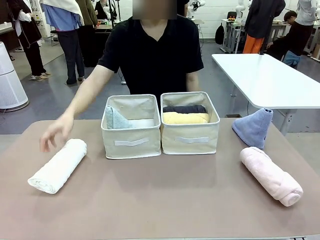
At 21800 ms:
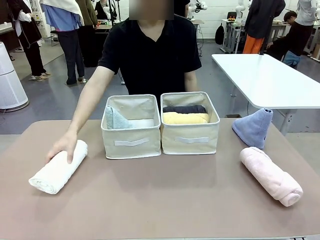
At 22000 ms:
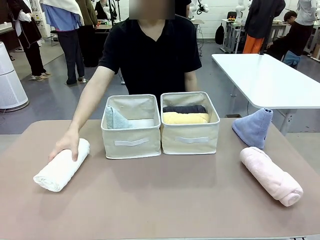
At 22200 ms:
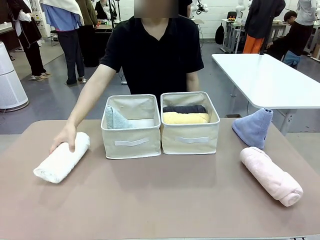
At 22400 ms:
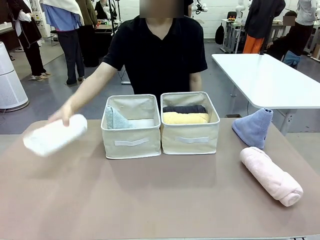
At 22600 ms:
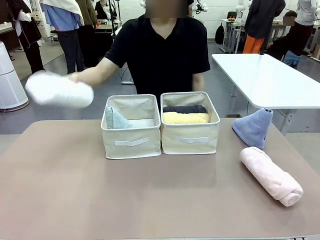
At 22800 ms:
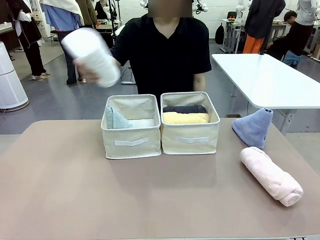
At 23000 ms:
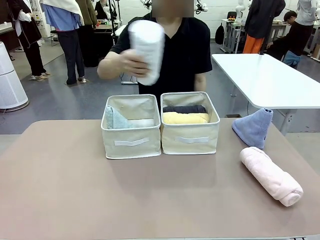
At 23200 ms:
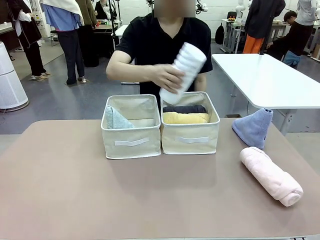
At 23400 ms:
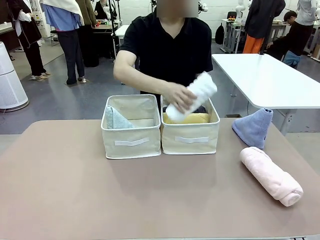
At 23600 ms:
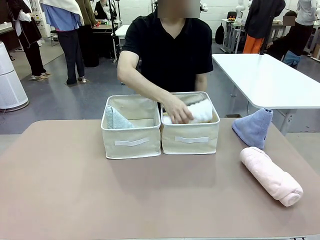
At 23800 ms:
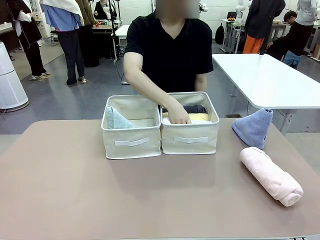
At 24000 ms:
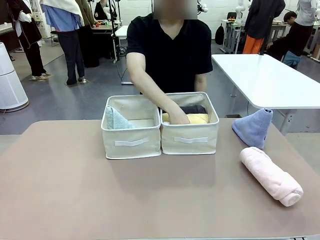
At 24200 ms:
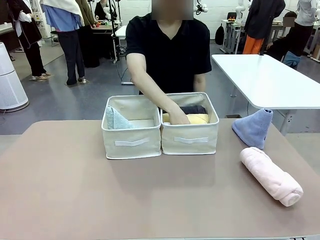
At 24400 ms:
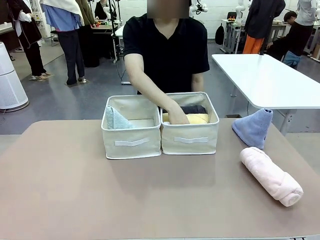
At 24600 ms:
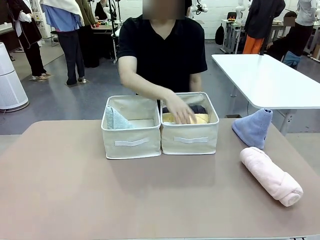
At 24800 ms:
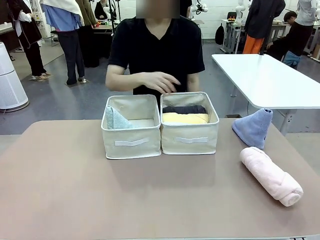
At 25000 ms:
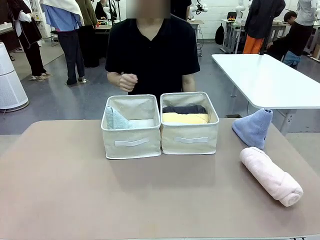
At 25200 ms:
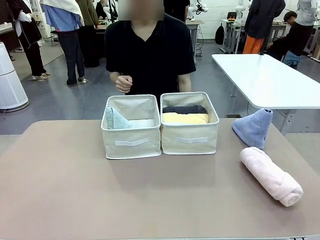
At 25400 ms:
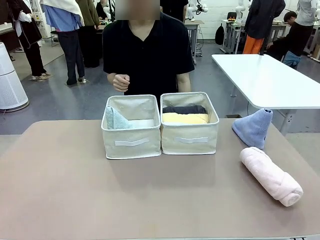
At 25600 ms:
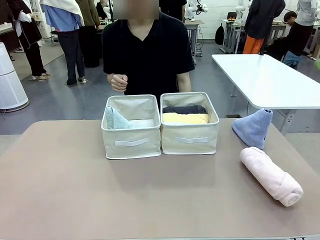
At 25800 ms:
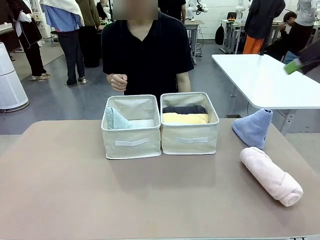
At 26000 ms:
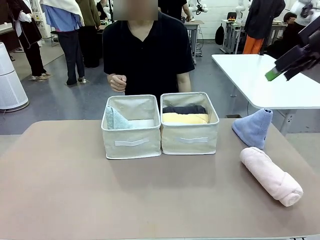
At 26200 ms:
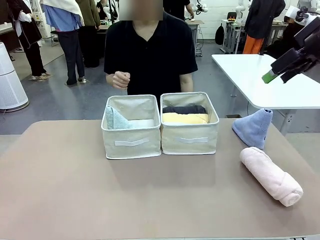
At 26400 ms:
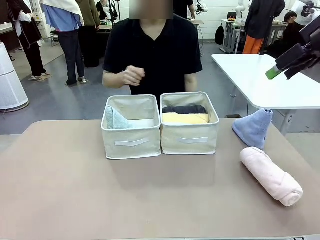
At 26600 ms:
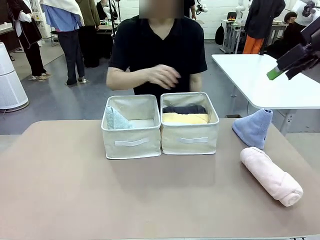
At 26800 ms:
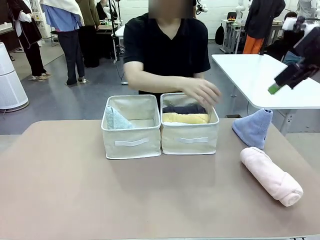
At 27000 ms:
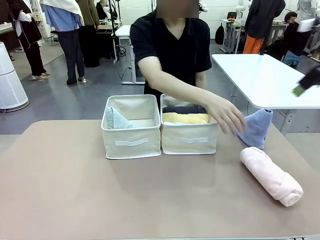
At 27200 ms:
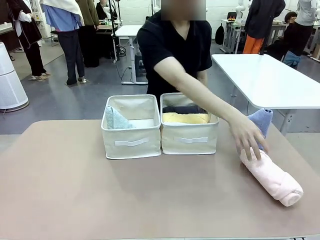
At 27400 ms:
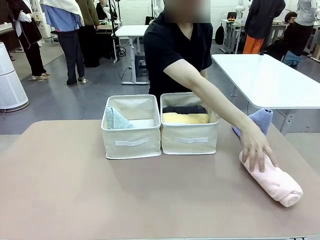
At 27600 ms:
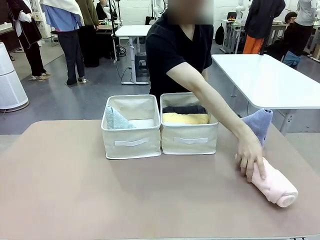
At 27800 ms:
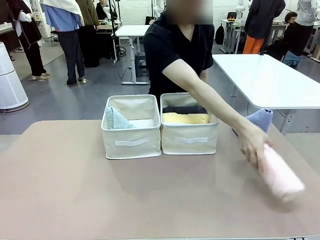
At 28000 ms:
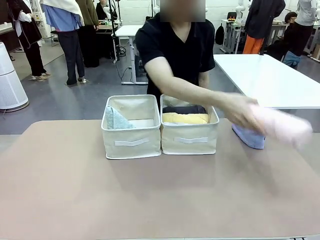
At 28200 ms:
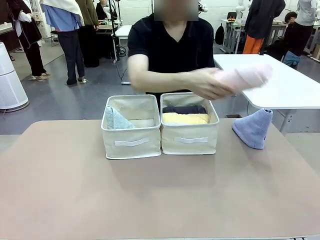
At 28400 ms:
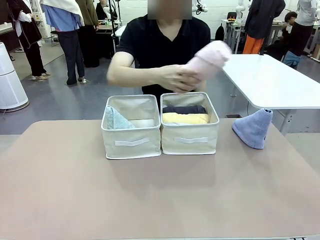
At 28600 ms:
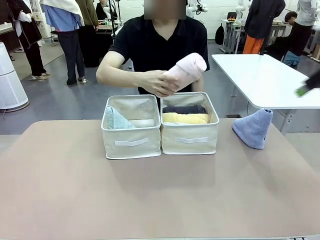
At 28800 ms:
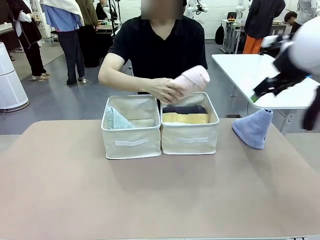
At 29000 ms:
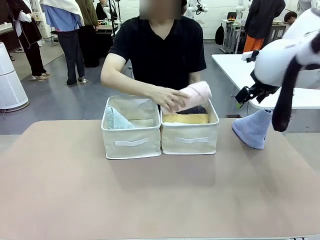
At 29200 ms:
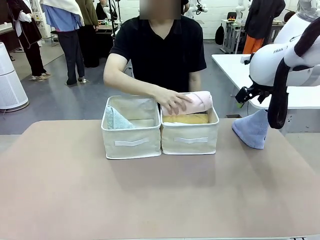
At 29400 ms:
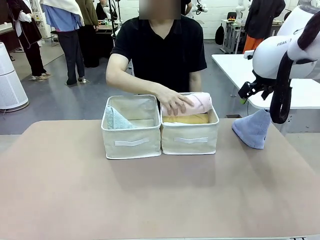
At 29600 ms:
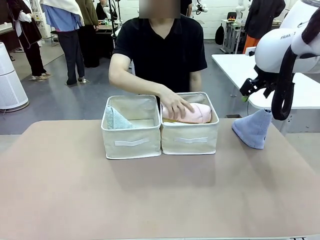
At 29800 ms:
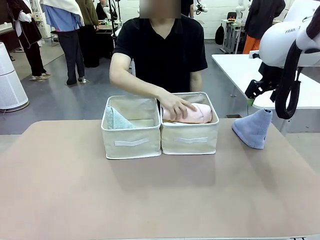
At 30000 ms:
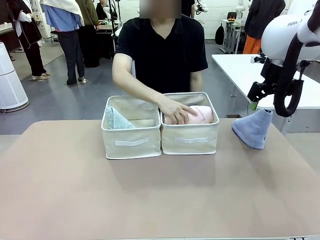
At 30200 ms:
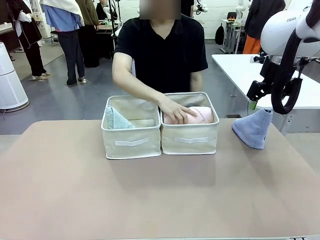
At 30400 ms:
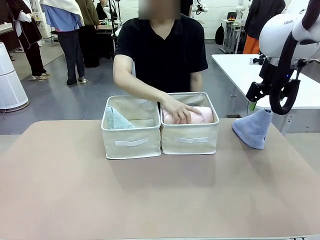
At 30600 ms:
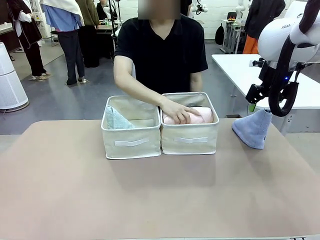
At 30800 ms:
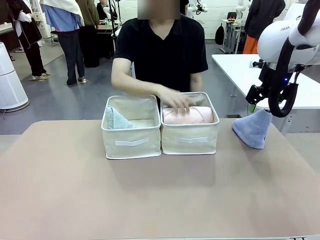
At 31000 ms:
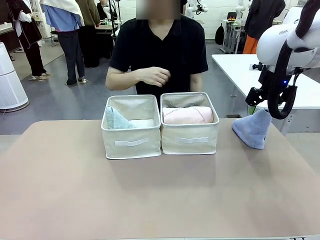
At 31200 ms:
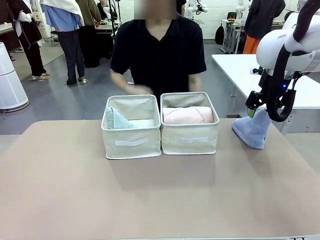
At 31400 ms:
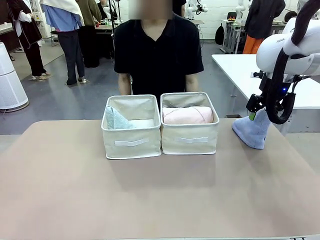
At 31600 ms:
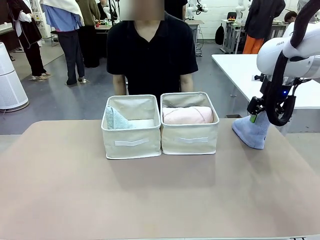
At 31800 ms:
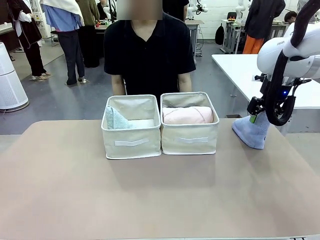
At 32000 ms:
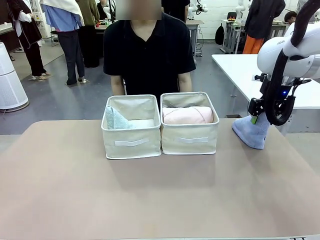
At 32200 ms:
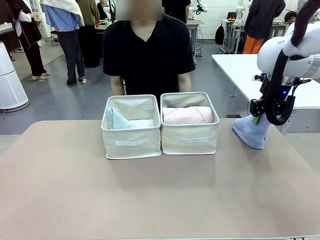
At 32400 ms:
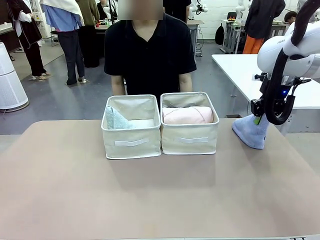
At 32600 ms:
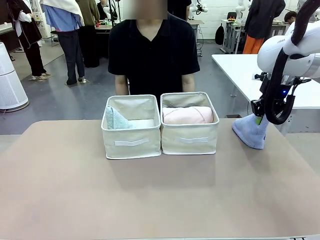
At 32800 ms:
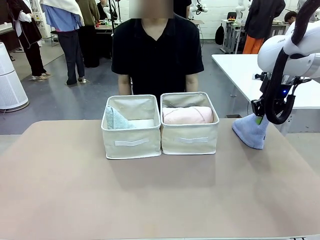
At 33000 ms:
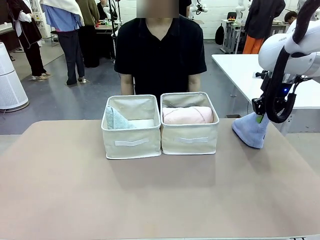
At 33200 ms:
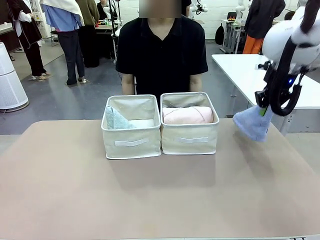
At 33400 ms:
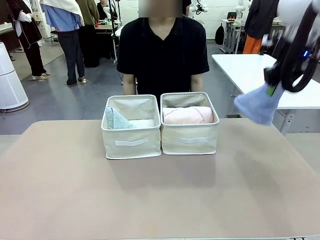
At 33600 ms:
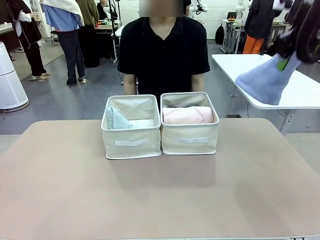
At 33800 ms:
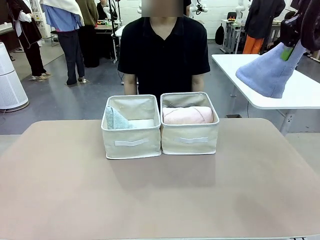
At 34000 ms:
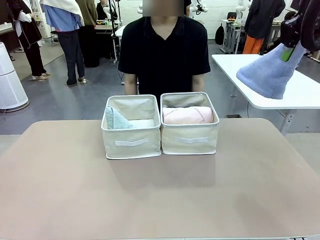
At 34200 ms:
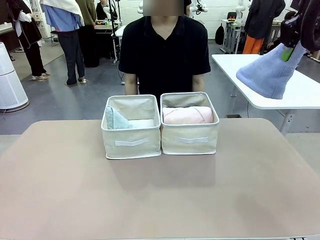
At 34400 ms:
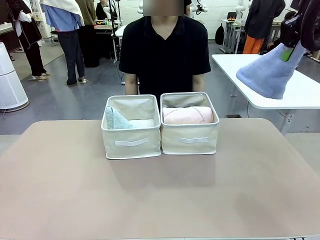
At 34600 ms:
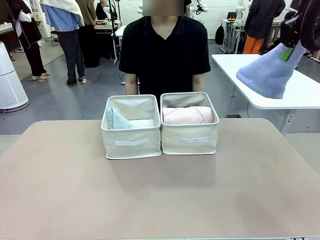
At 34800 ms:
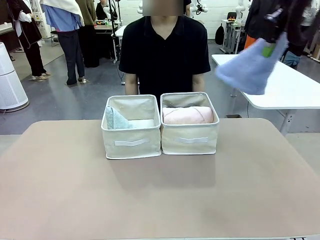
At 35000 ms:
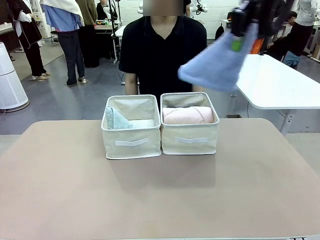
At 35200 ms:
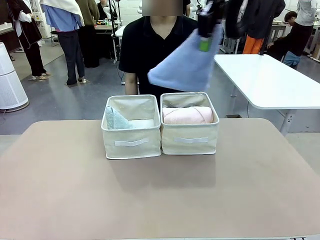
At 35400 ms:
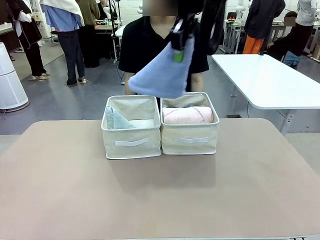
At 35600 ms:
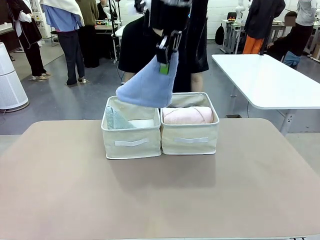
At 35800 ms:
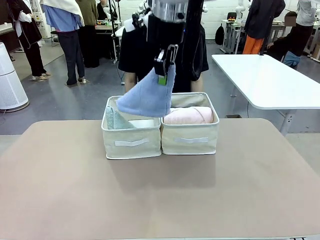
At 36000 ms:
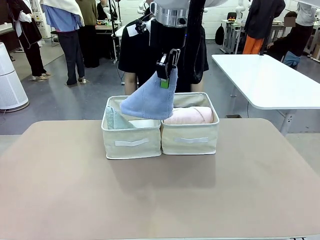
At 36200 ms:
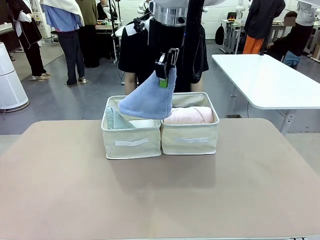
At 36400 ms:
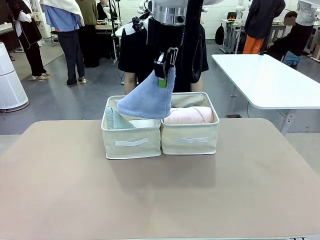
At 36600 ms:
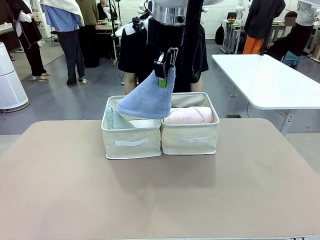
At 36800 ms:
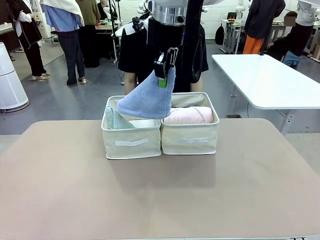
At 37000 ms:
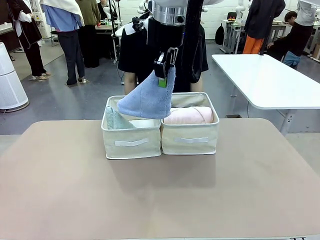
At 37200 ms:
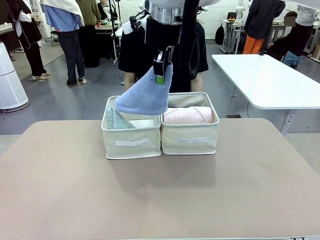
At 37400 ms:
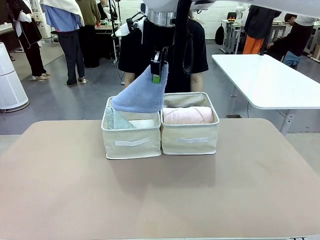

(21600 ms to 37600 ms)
Task: Sort the towels based on their folding style.
Robot: Pick up another triangle-folded towel from the table and place it in the left Fabric basket.
